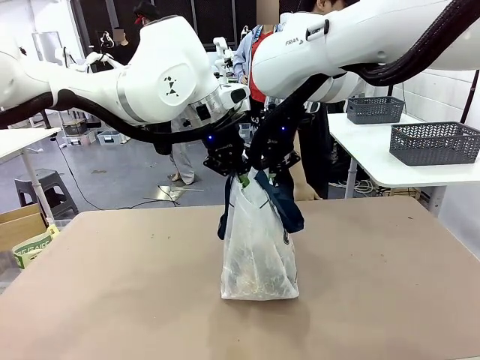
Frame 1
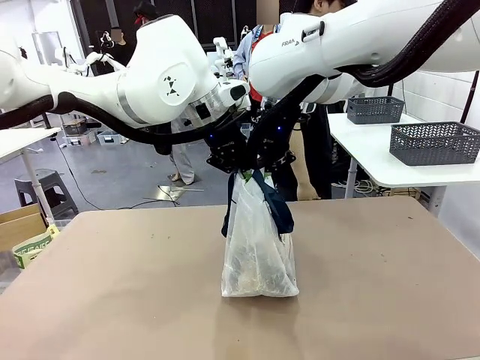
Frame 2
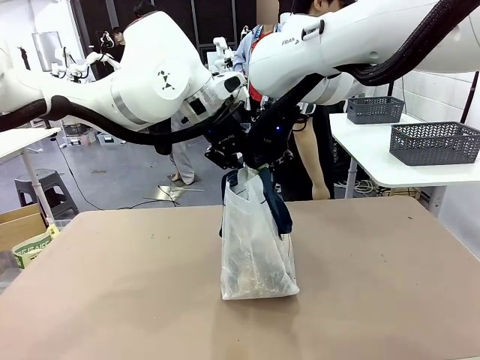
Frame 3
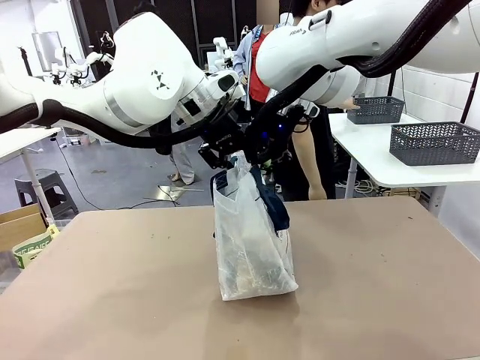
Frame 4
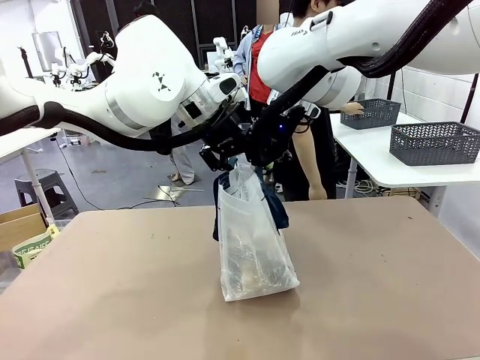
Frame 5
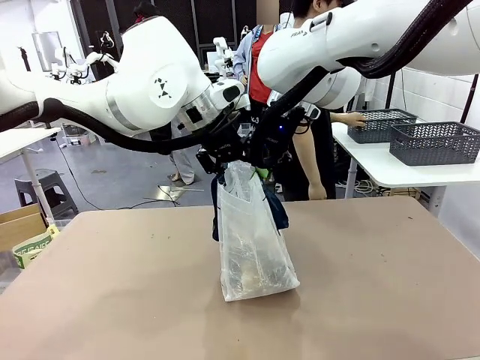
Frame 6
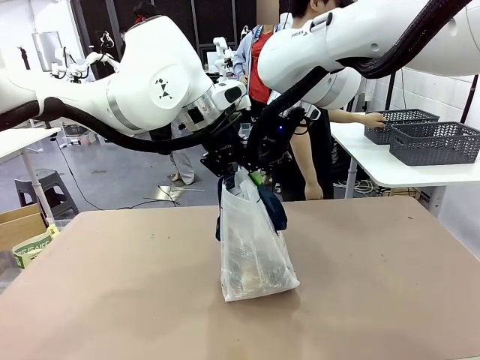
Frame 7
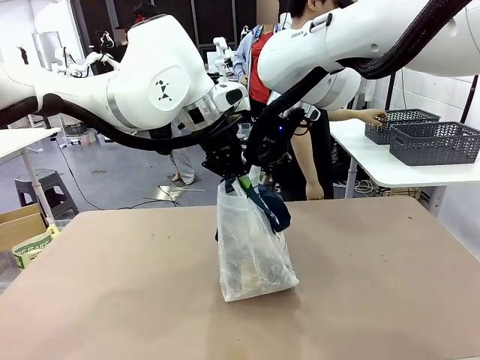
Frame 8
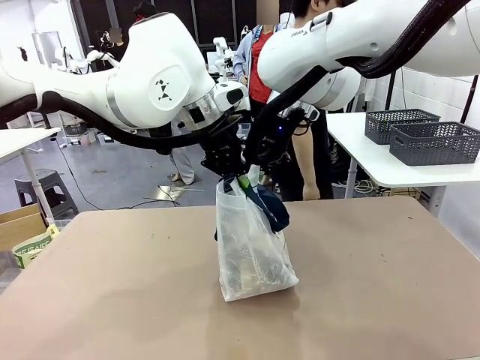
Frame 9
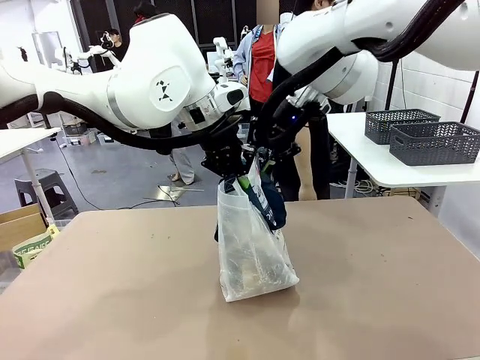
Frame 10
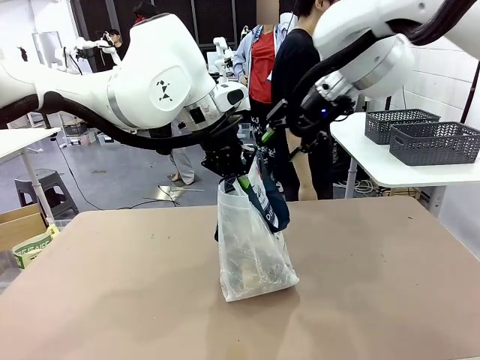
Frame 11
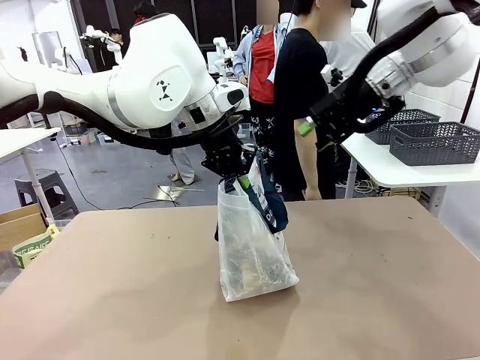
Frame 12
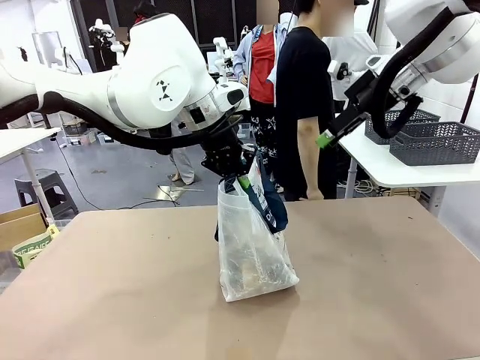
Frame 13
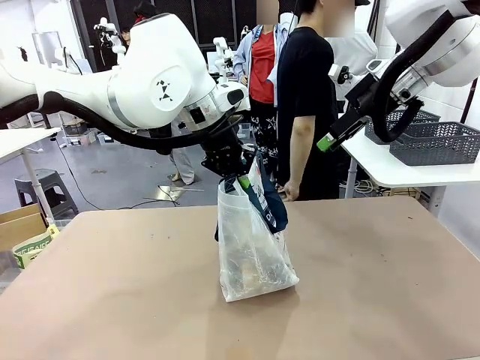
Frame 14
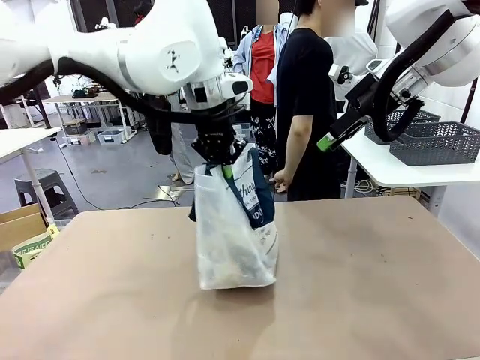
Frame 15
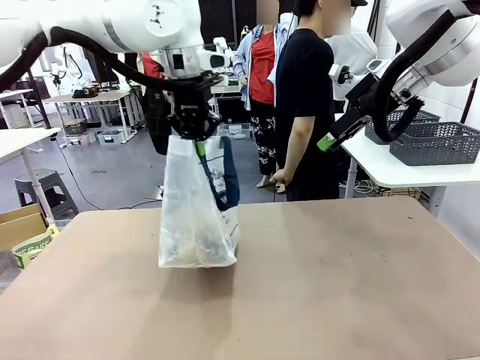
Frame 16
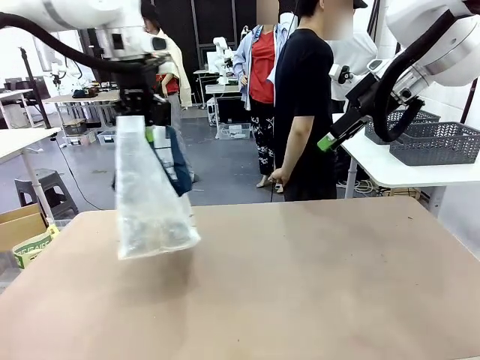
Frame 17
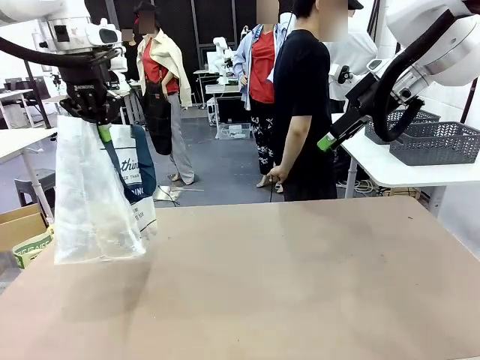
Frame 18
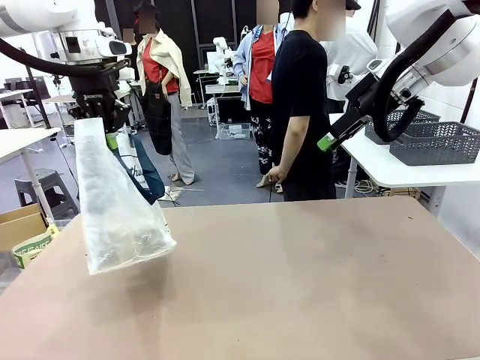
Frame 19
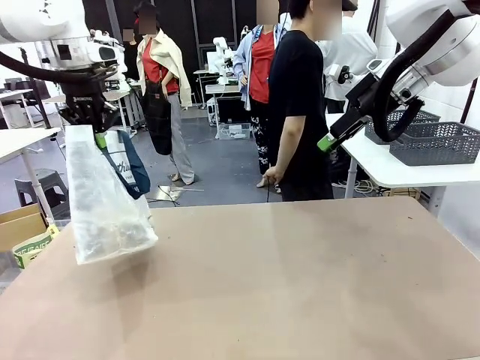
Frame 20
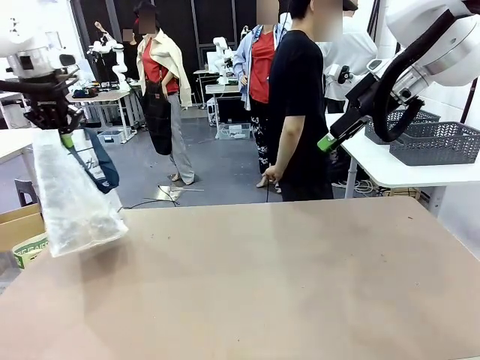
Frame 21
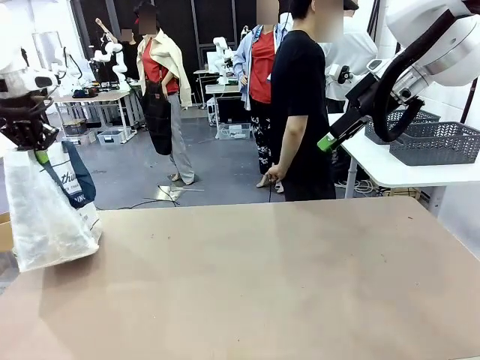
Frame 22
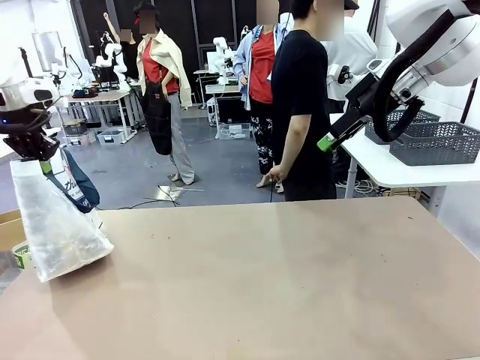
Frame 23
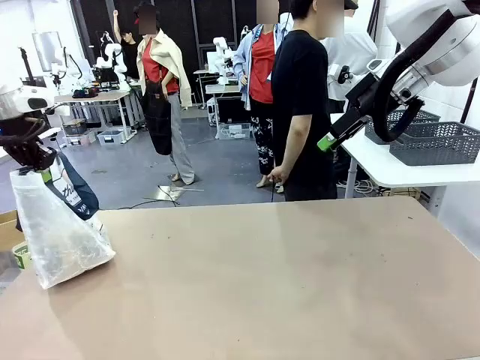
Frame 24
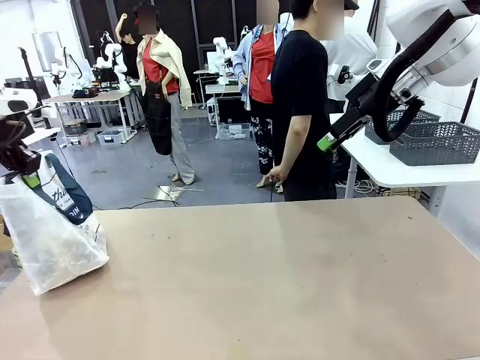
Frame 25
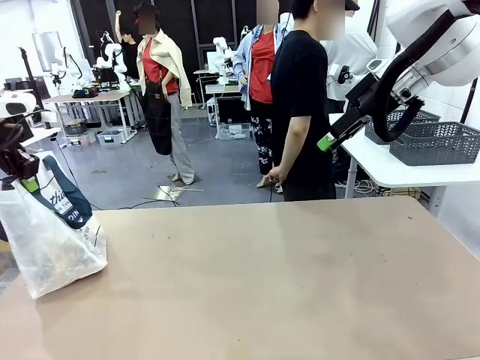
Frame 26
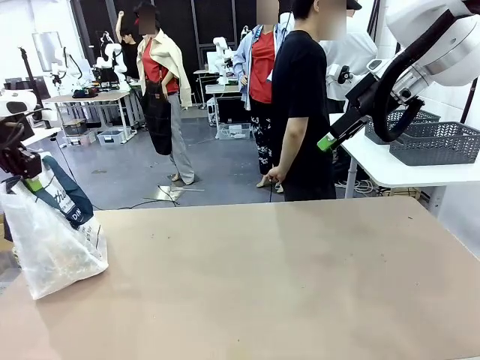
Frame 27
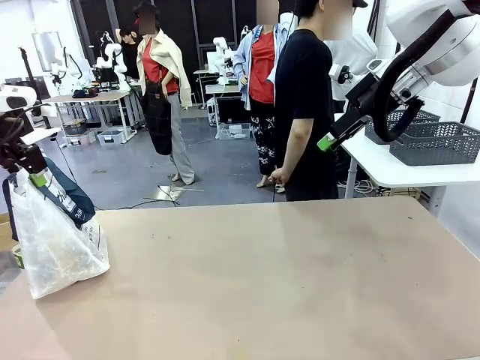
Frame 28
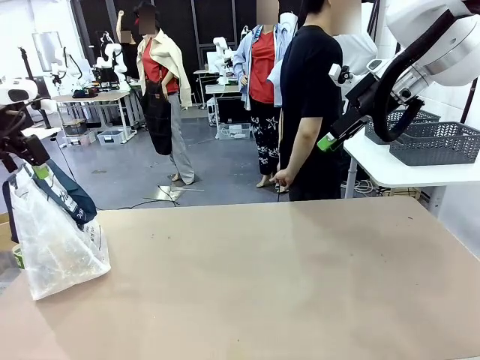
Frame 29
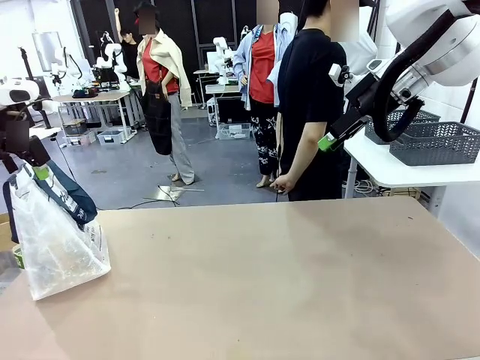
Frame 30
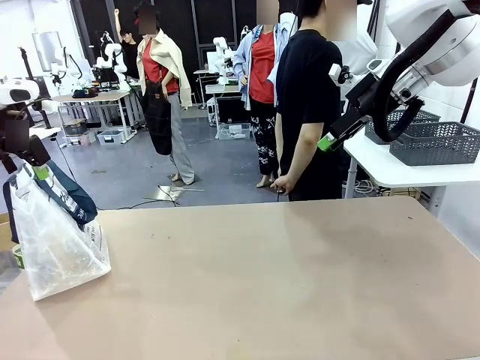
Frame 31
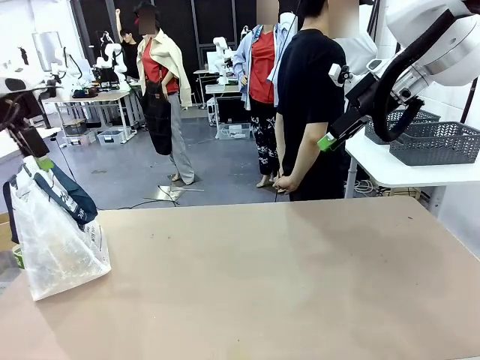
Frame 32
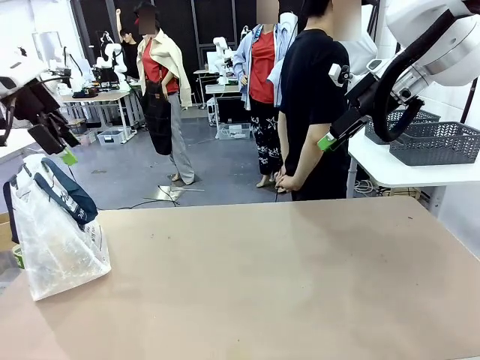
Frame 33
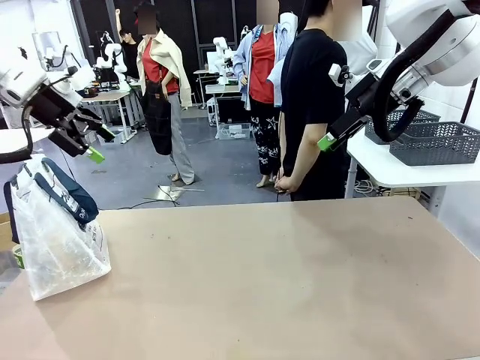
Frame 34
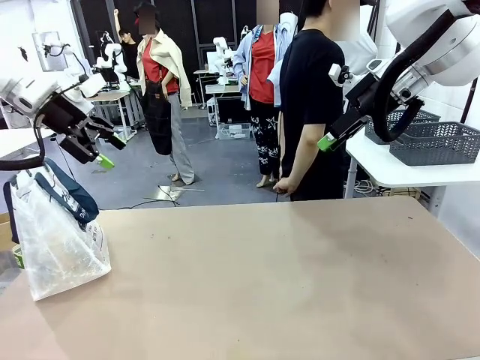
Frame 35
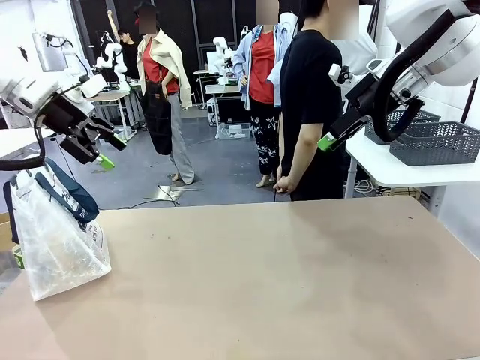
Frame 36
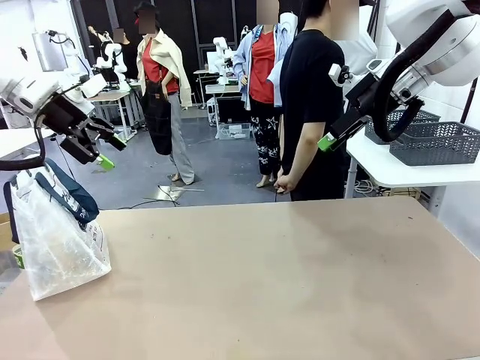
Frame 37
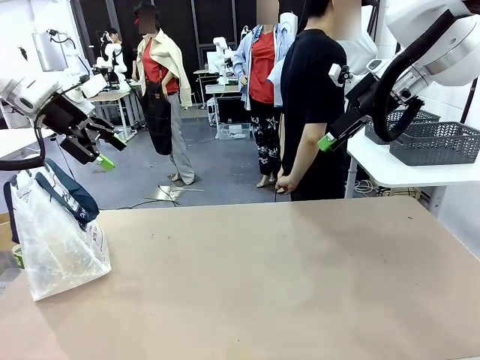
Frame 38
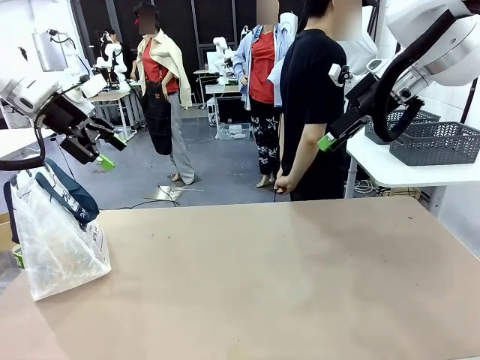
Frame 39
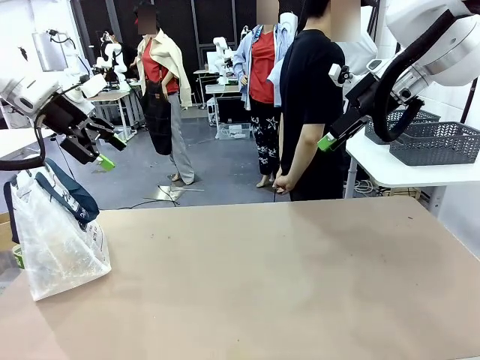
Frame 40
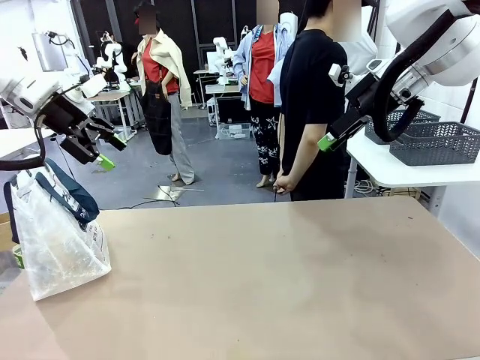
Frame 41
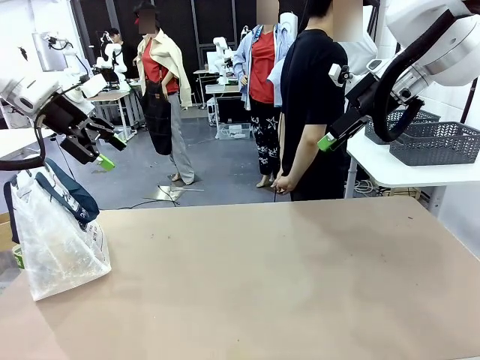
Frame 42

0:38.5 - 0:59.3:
Task: Transfer purchased items from the store into the shopping bag.
Robot: Move the Reusable shopping bag to the right side of the table.
Person: Move the basket on the left to the middle of the person's table.

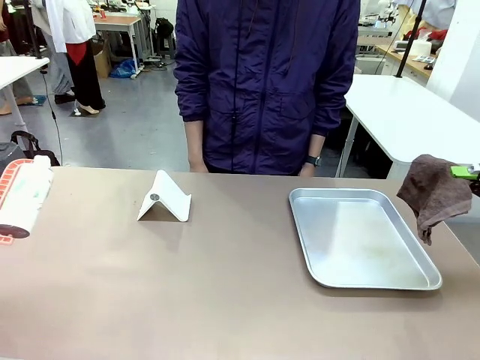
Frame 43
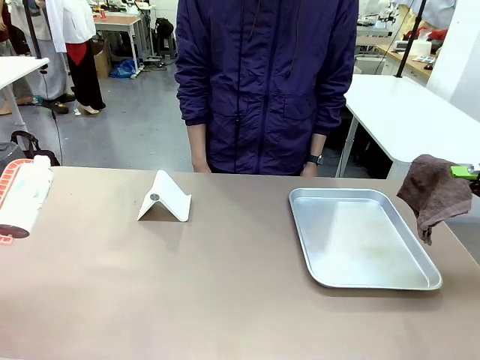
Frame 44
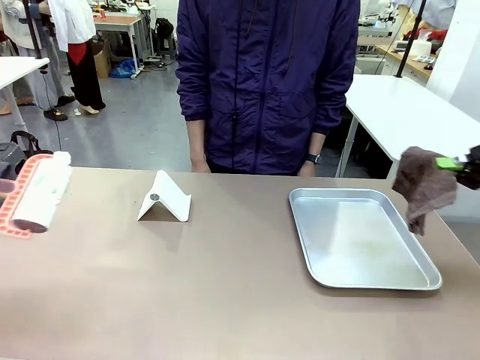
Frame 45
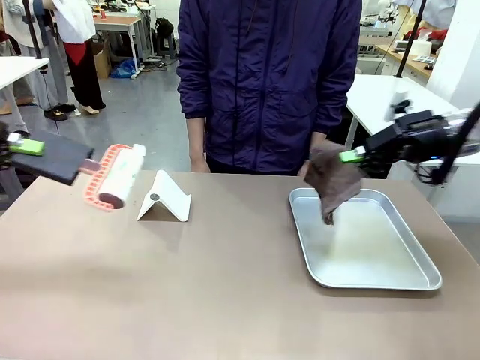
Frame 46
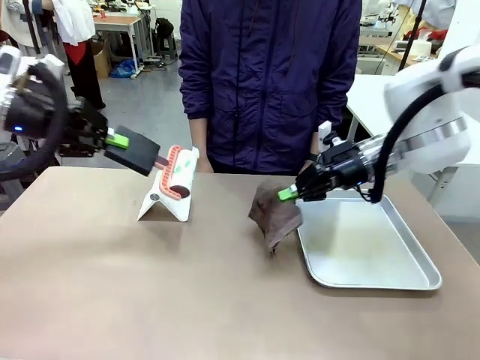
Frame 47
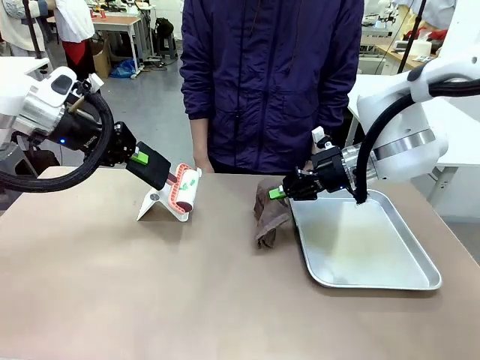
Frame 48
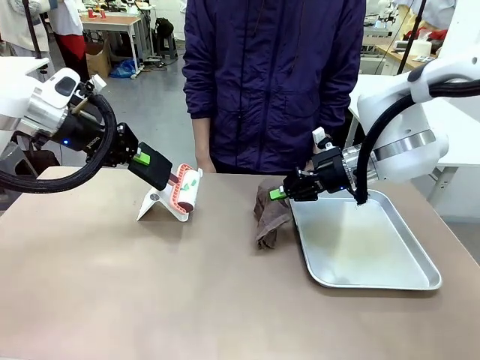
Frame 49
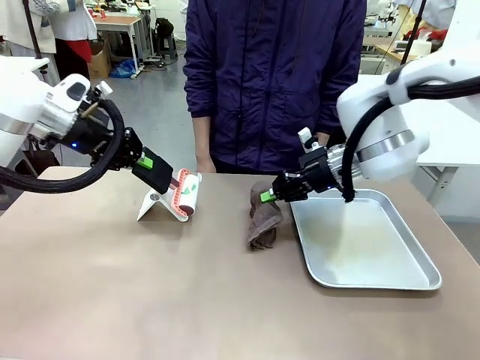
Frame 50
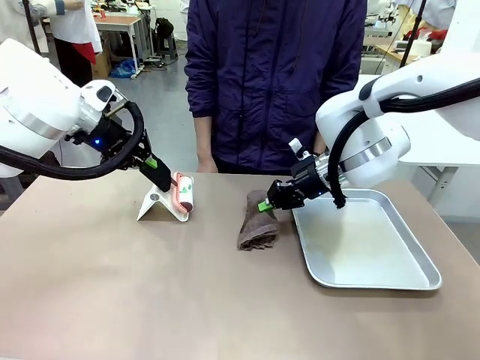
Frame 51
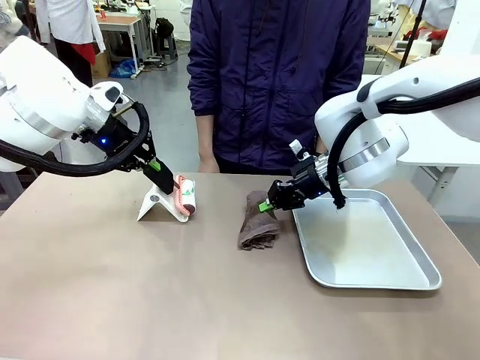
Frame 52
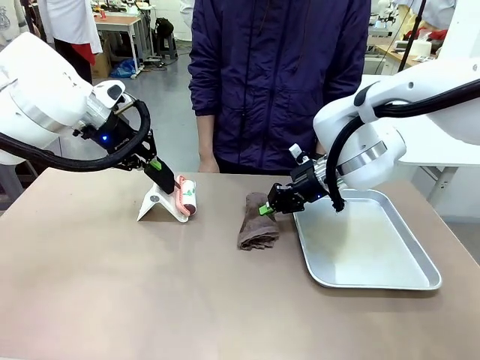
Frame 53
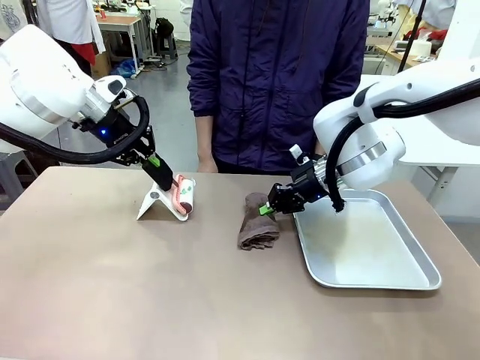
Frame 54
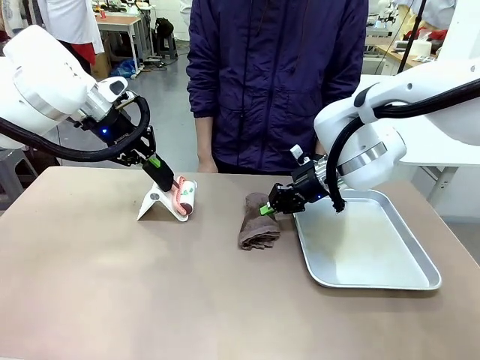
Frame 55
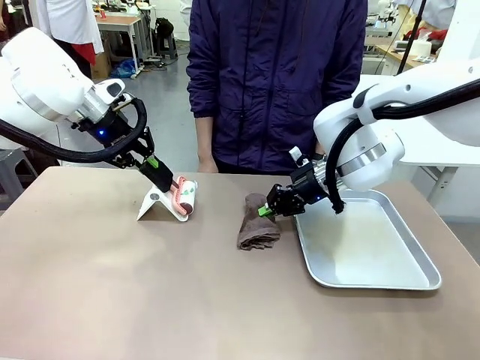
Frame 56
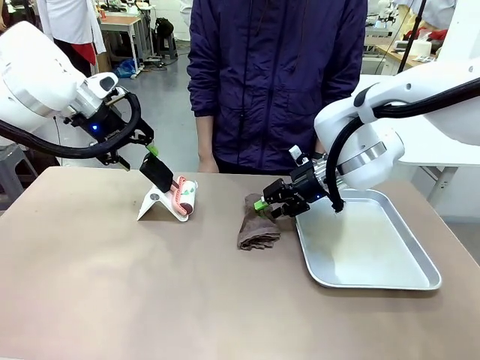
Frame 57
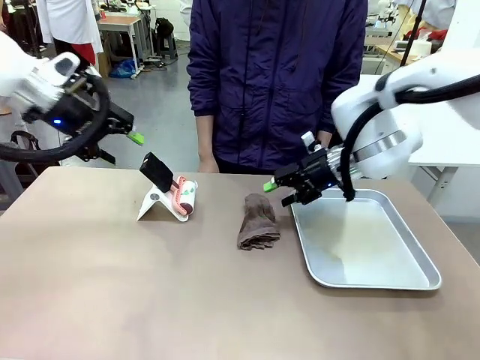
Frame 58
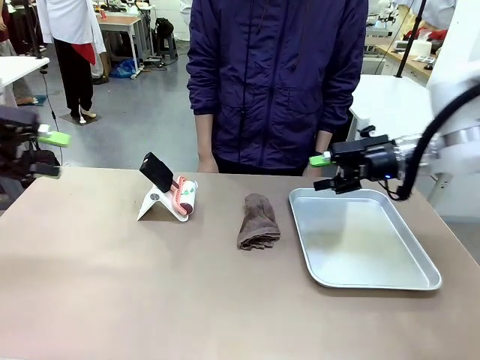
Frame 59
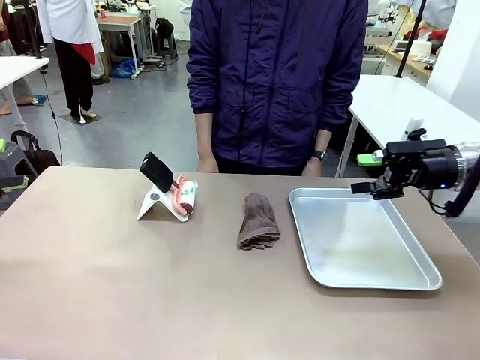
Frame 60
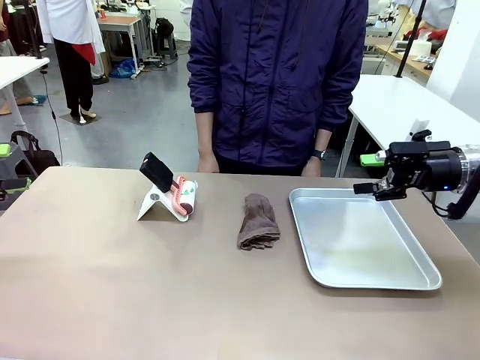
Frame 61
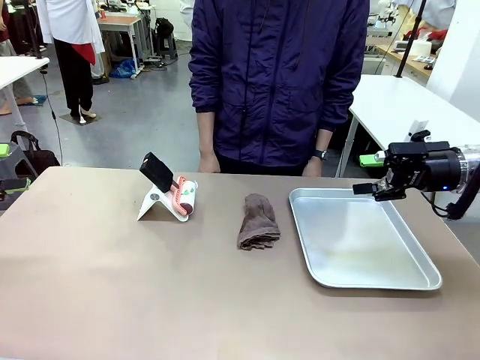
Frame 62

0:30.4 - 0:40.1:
Task: Clean the surface of the table.
Robot: Return the Lint Roller and towel to their original positions.
